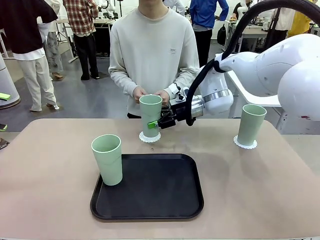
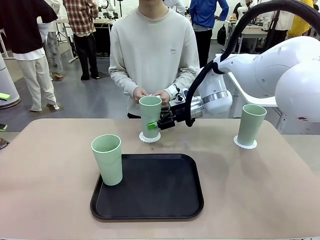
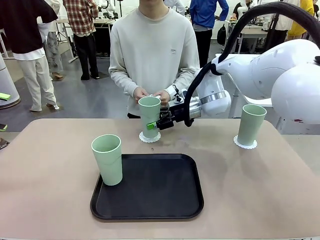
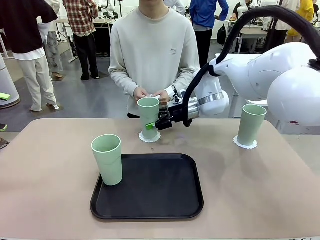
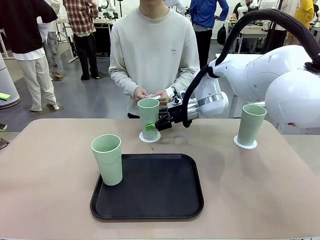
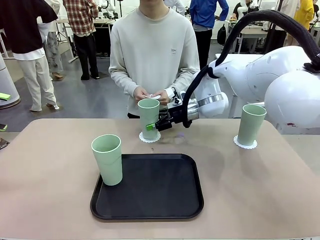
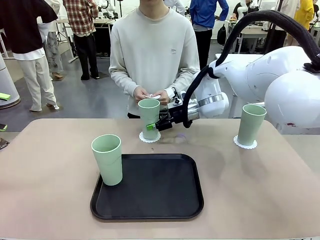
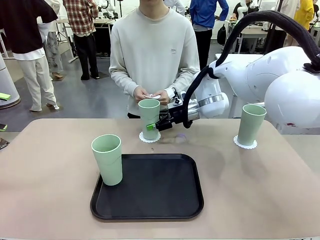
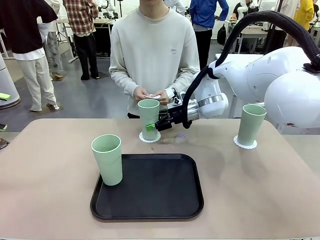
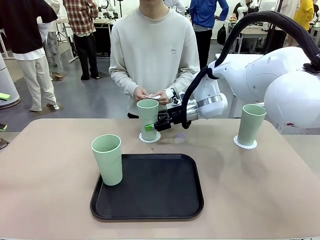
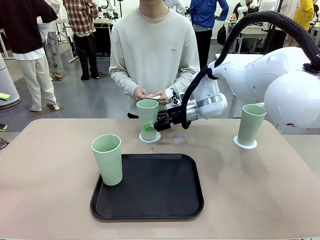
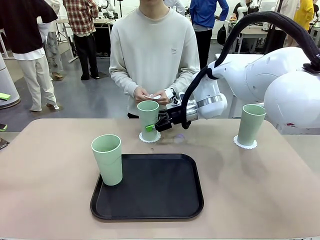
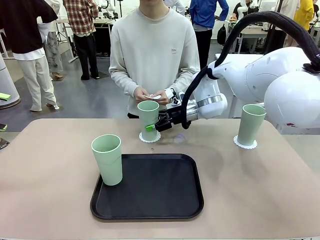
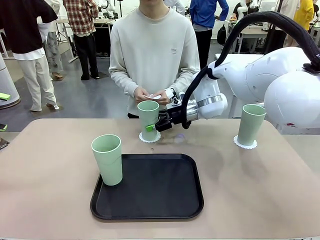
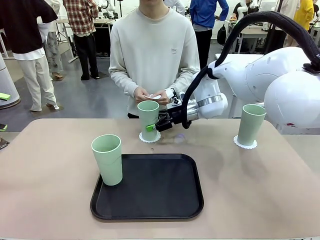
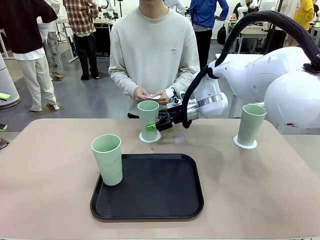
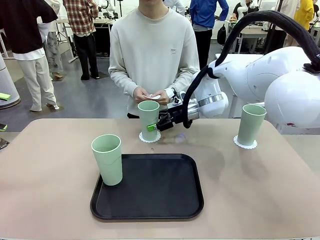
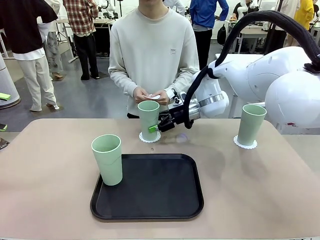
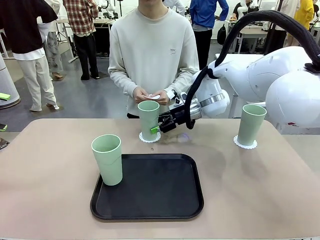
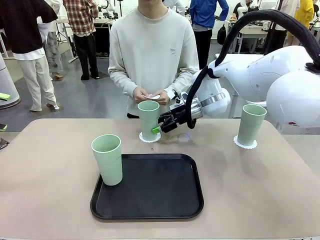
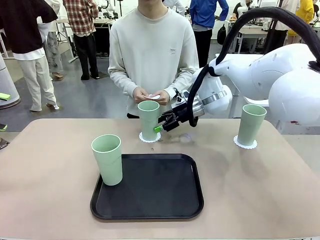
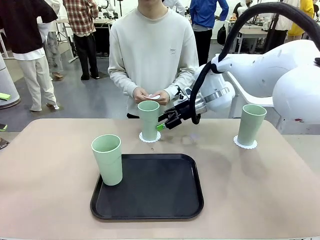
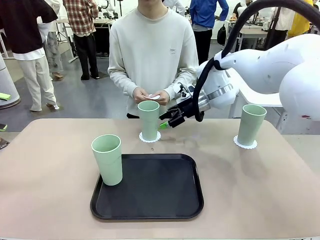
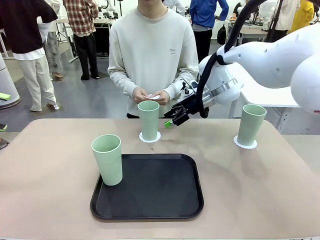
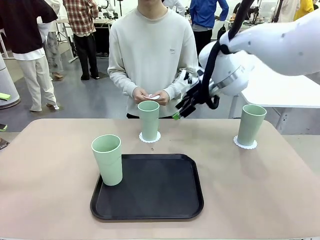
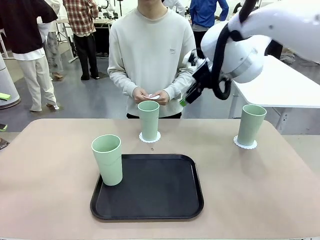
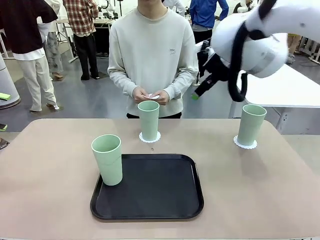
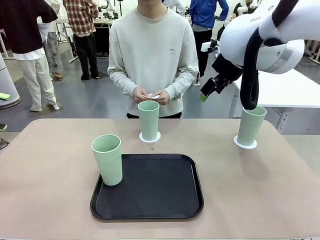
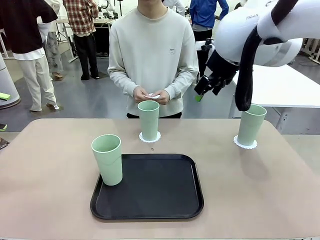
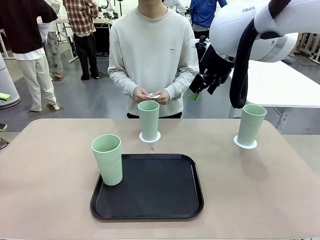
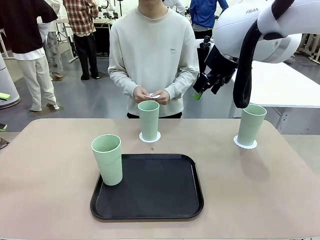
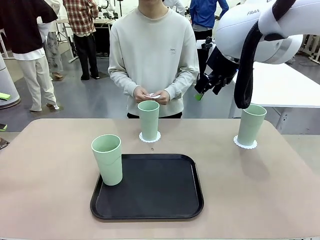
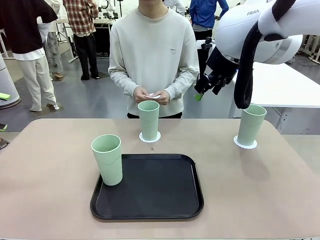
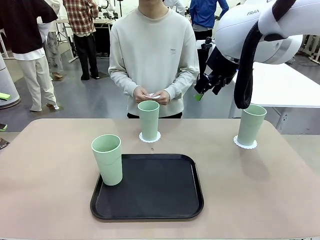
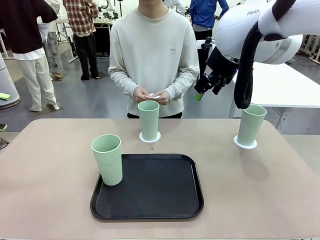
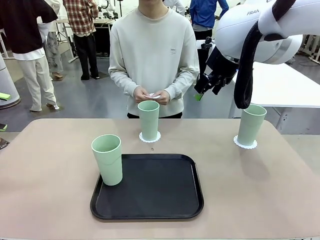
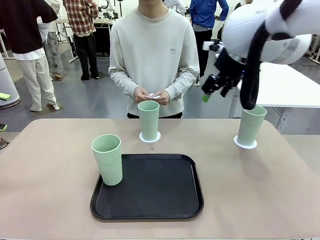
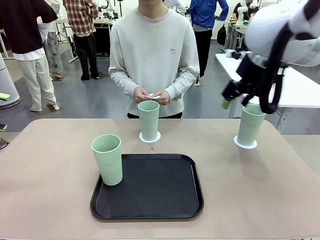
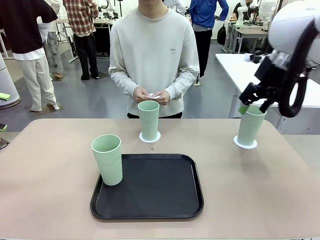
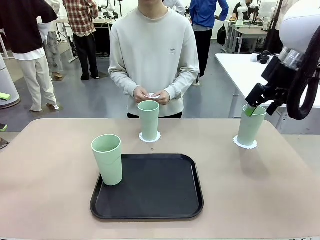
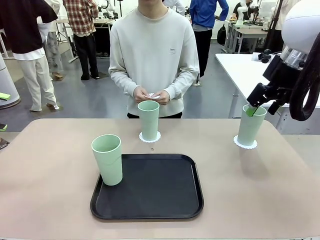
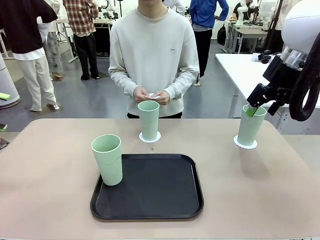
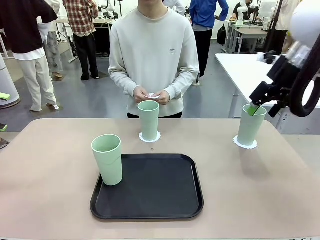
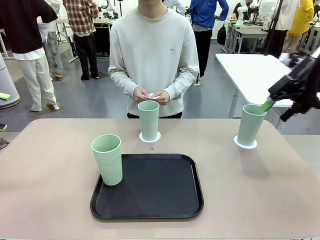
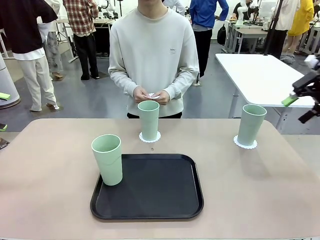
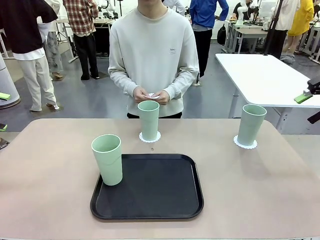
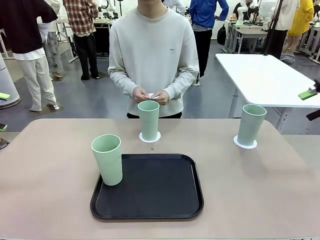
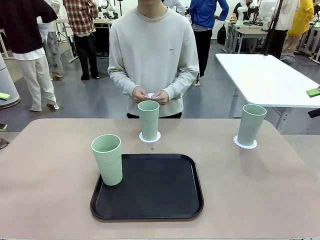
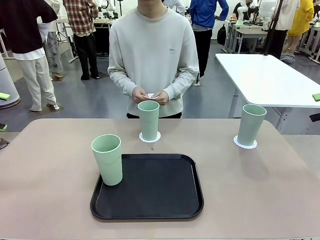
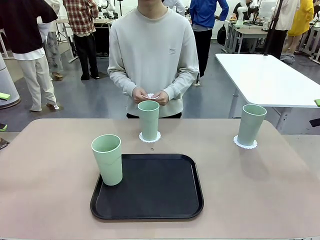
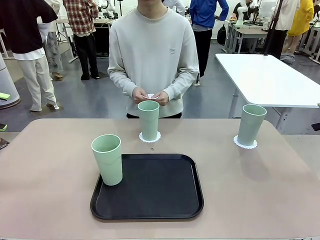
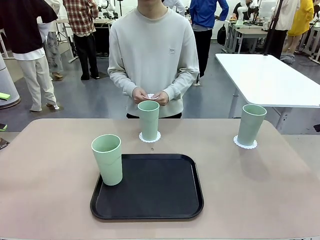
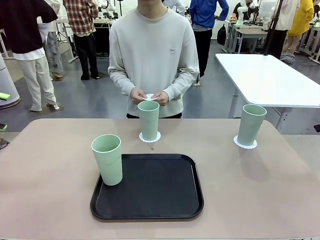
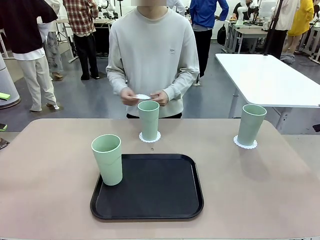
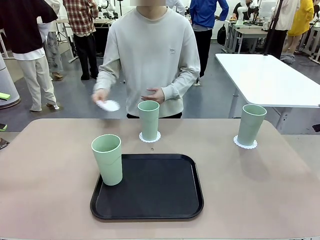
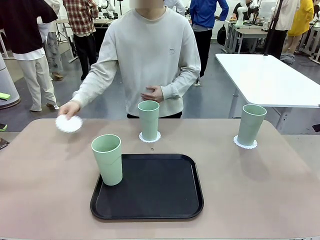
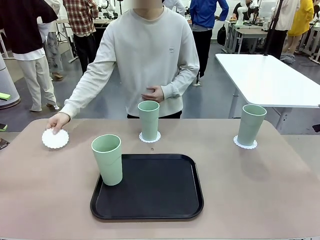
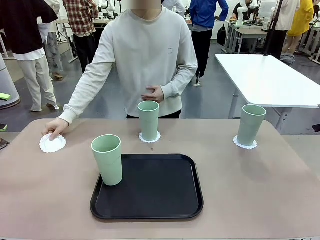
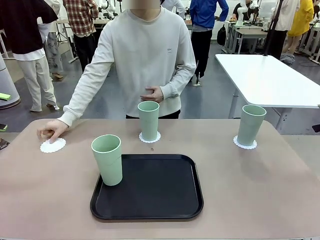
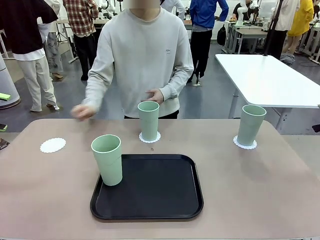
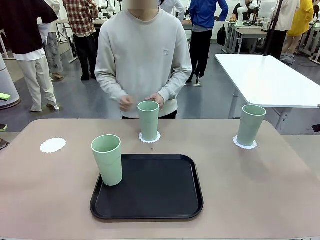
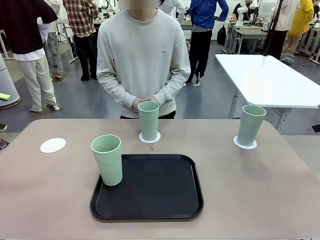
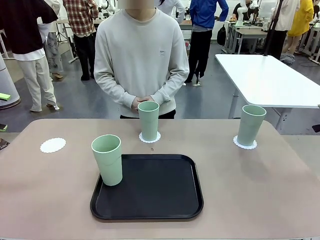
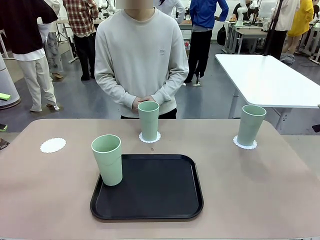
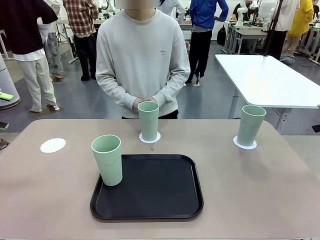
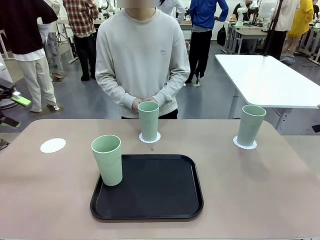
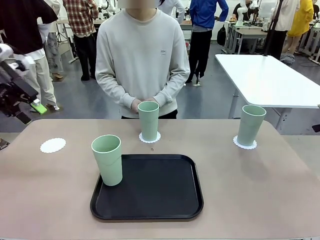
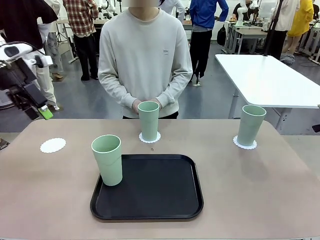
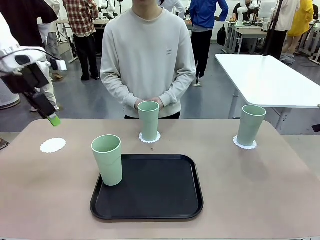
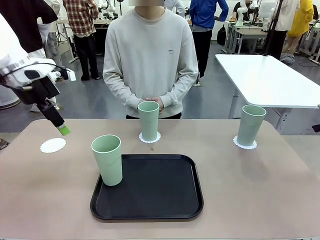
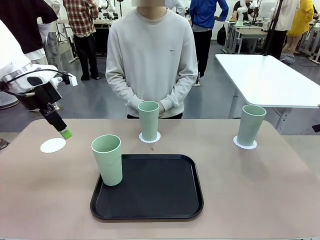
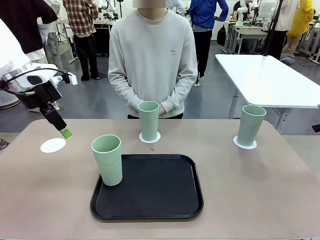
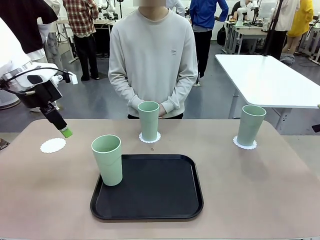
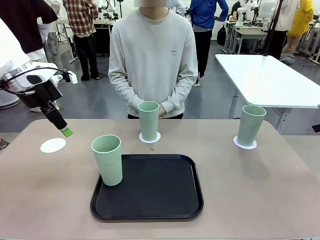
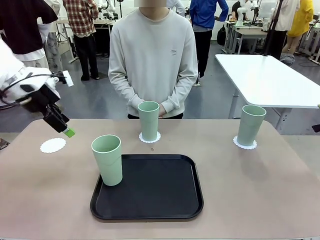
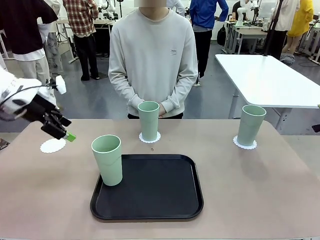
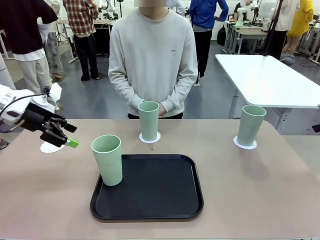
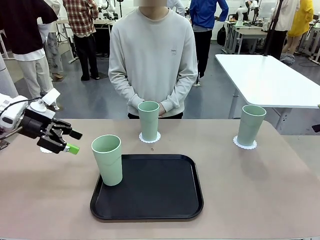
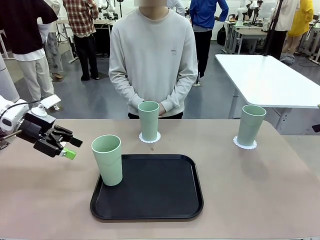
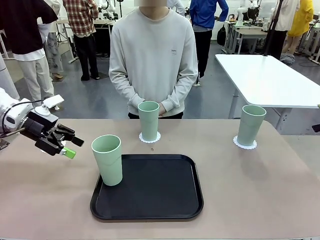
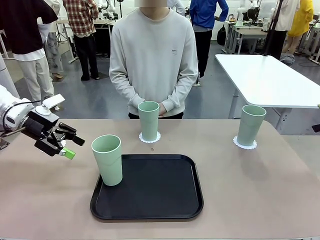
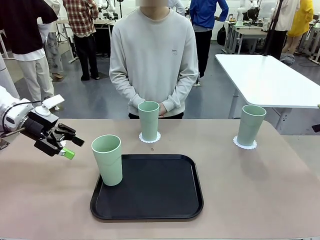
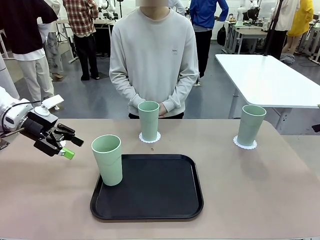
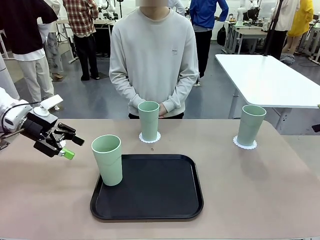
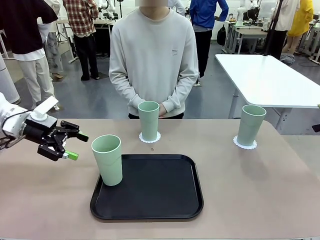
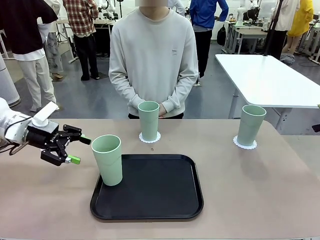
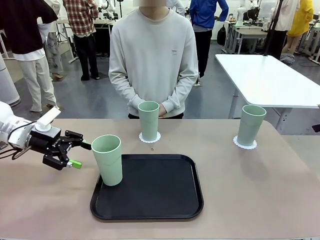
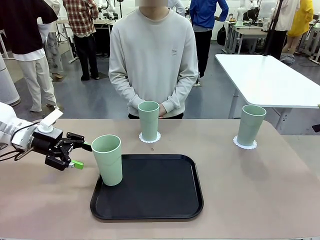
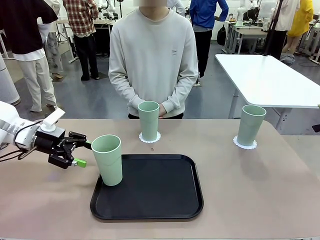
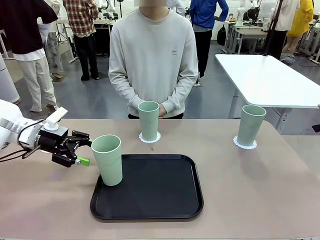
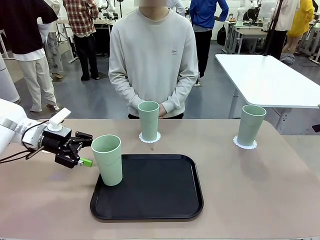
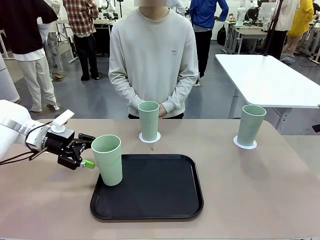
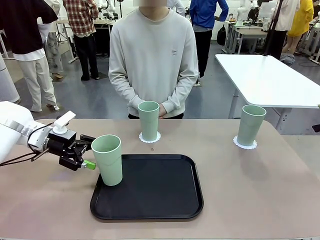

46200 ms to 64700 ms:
Task: Place coasters on the table and set cups on them.
Robot: Take one Reusable plastic cup from the Flat Tray and place it on a coaster set by the human.
